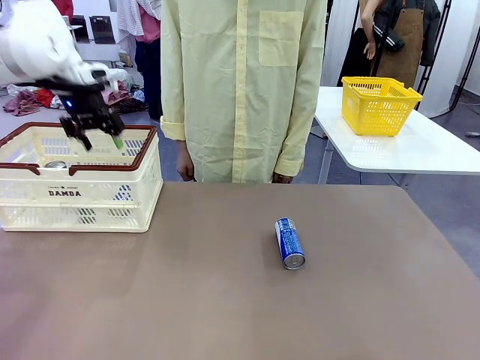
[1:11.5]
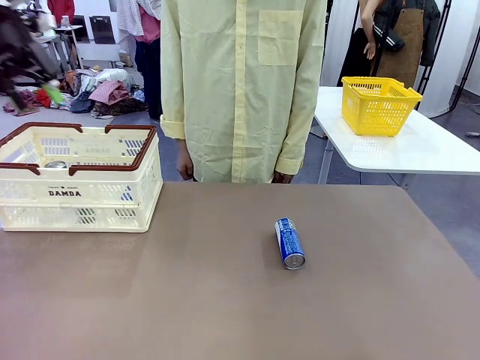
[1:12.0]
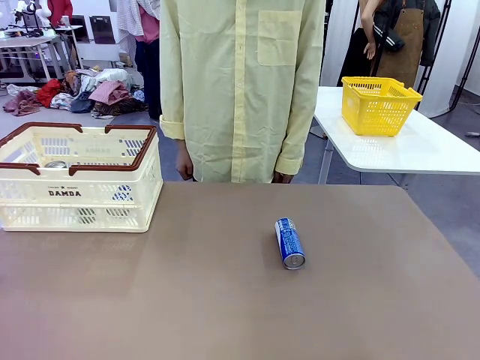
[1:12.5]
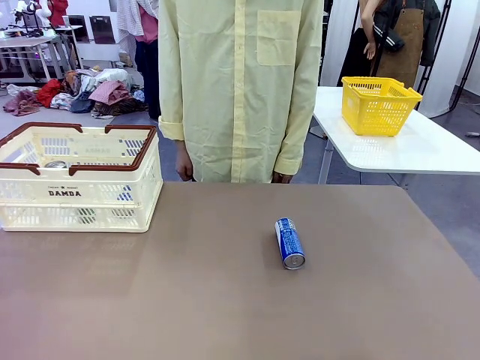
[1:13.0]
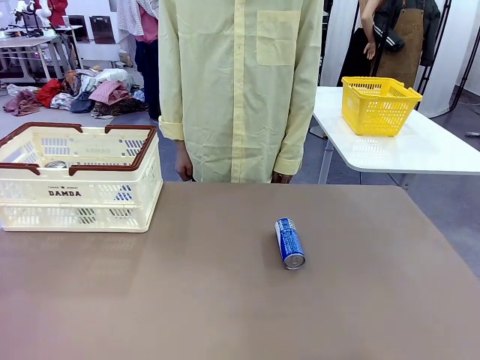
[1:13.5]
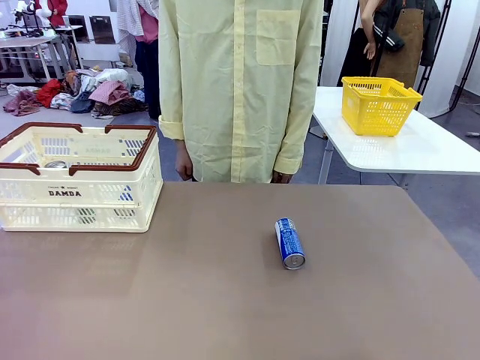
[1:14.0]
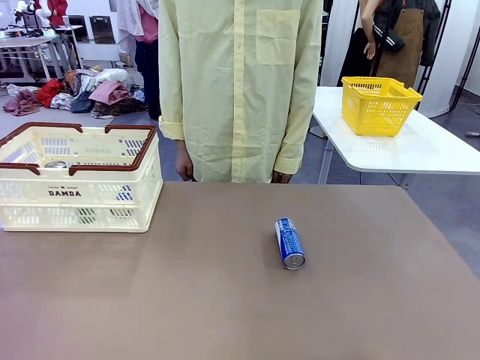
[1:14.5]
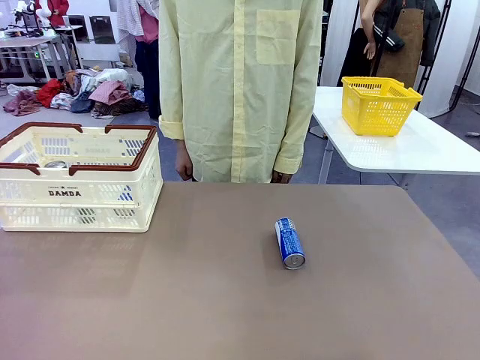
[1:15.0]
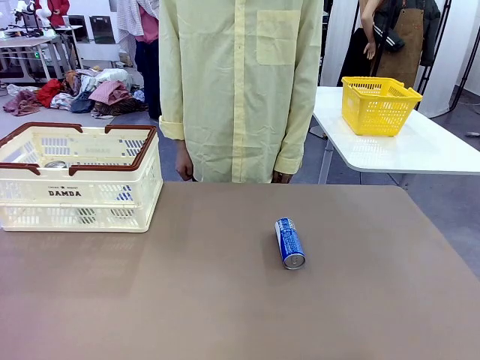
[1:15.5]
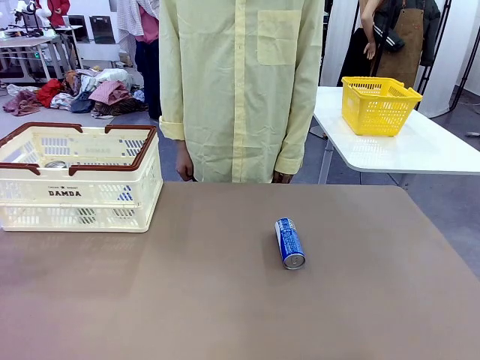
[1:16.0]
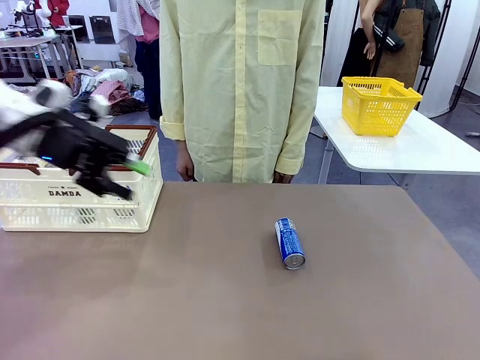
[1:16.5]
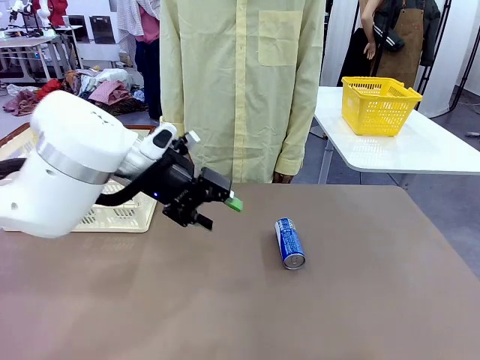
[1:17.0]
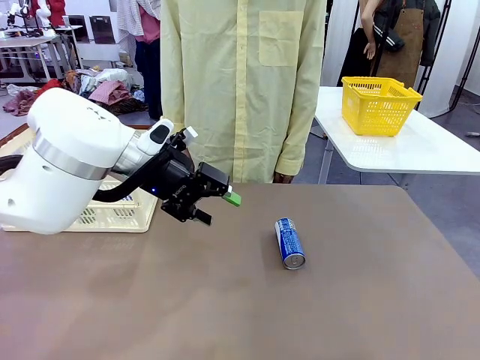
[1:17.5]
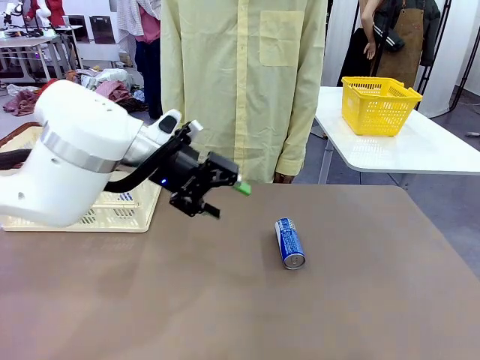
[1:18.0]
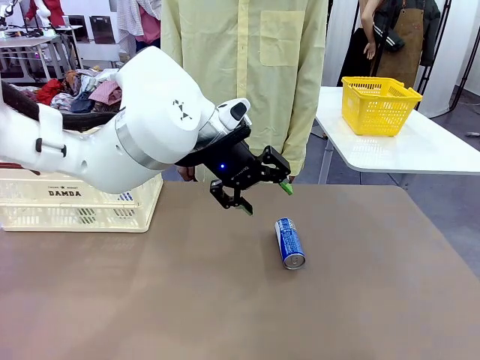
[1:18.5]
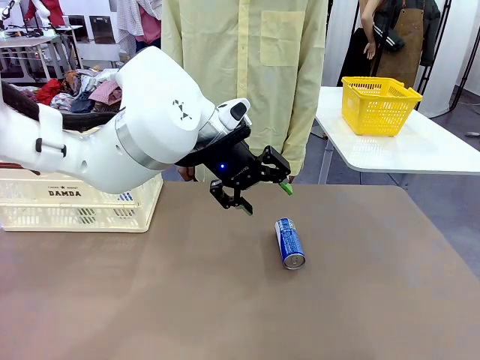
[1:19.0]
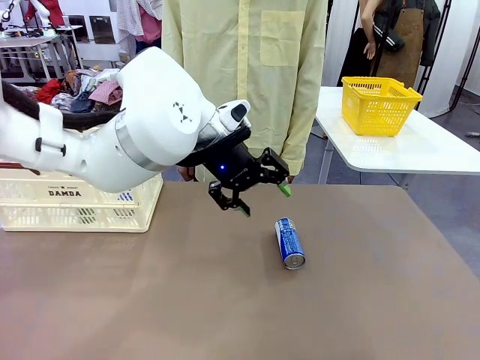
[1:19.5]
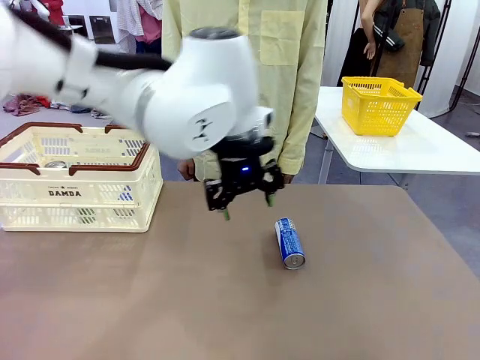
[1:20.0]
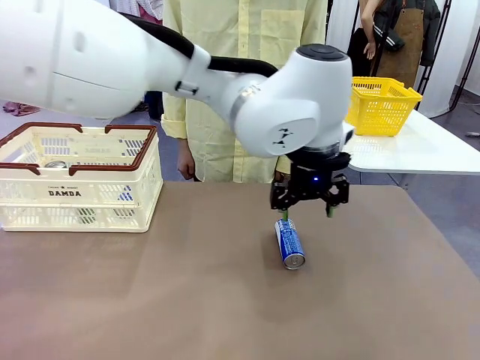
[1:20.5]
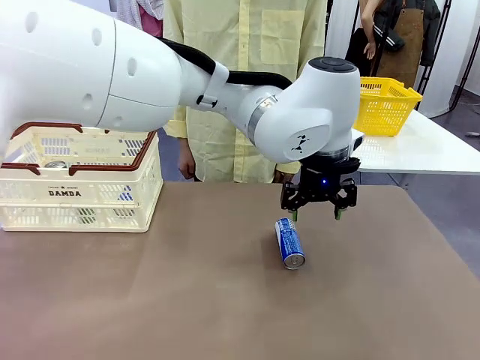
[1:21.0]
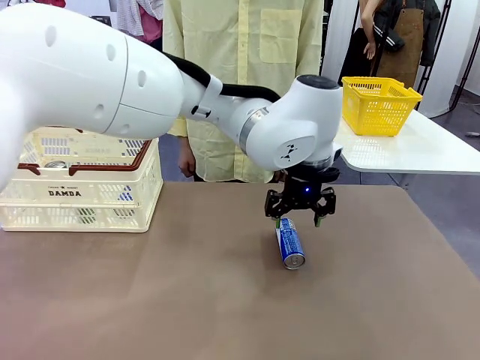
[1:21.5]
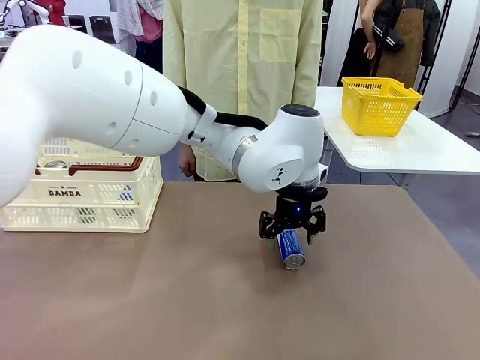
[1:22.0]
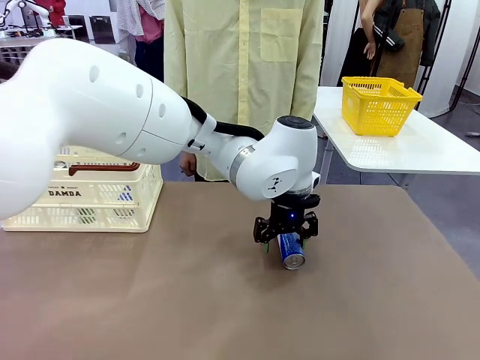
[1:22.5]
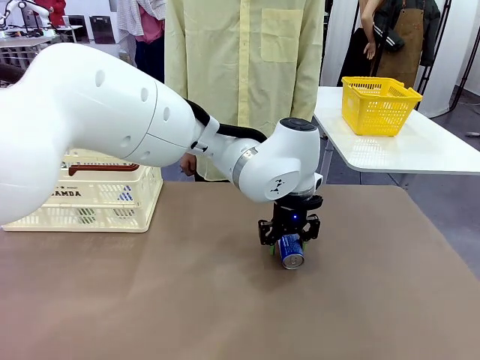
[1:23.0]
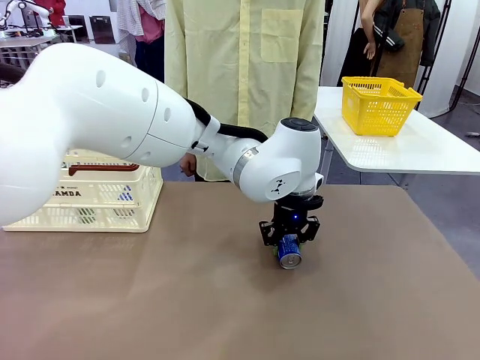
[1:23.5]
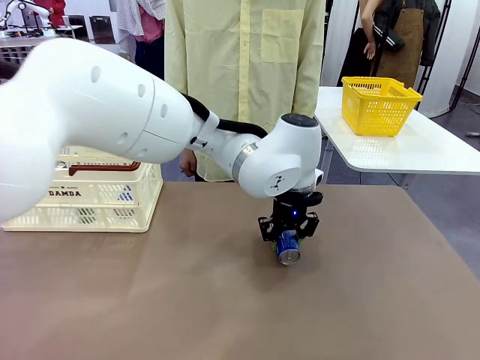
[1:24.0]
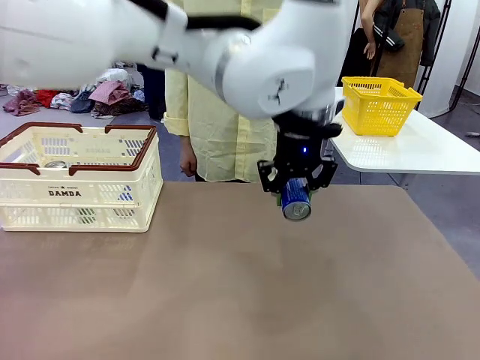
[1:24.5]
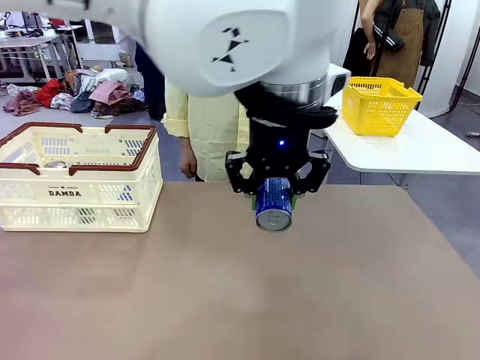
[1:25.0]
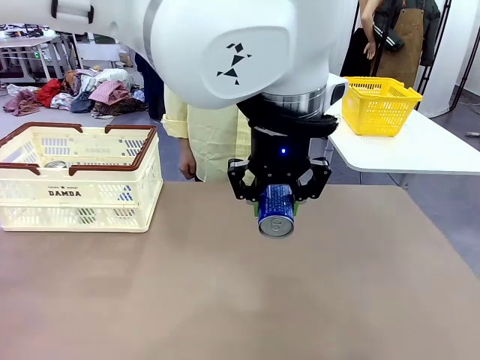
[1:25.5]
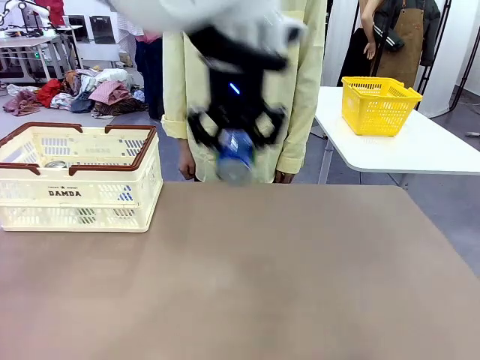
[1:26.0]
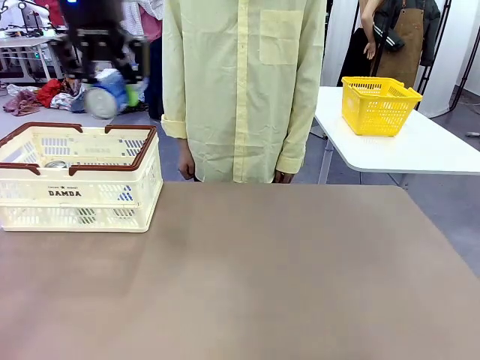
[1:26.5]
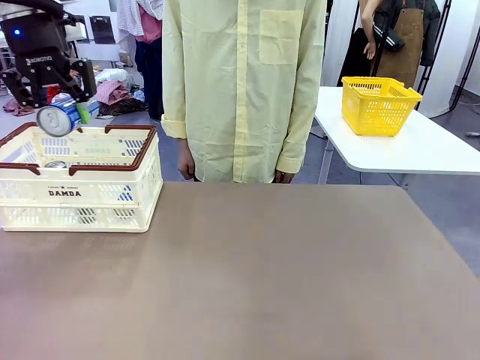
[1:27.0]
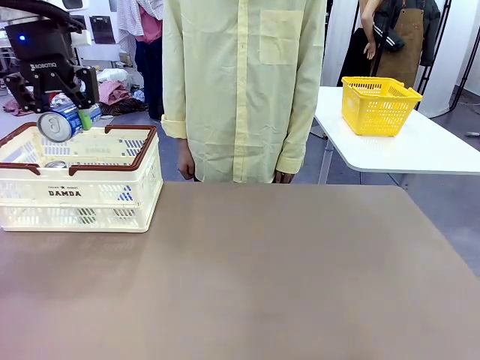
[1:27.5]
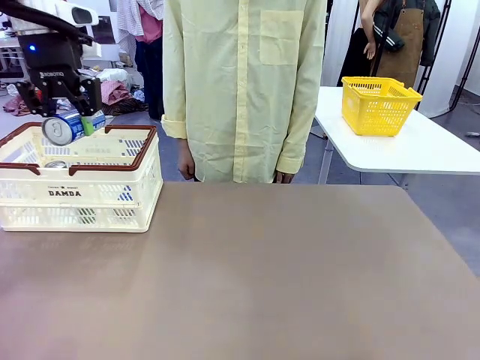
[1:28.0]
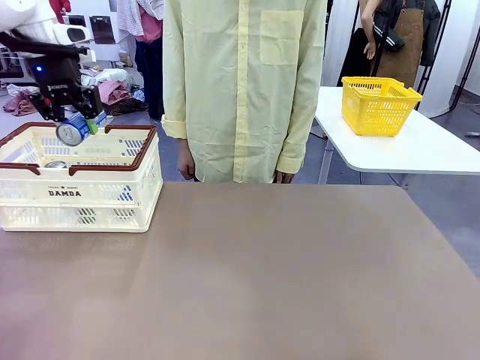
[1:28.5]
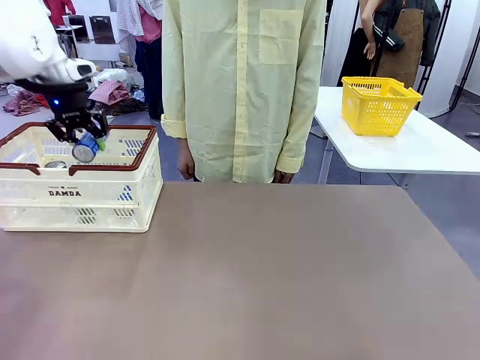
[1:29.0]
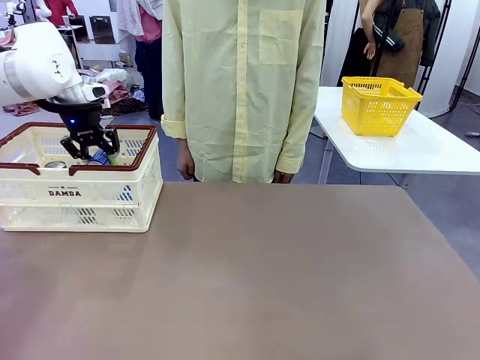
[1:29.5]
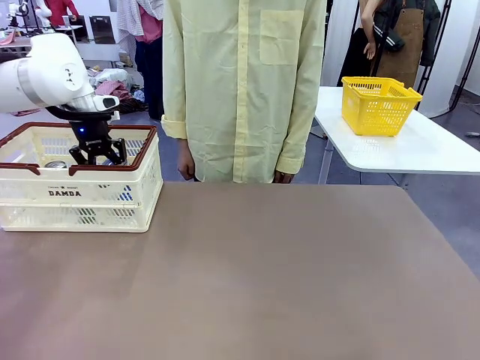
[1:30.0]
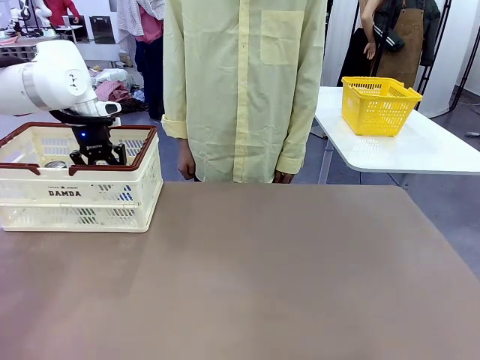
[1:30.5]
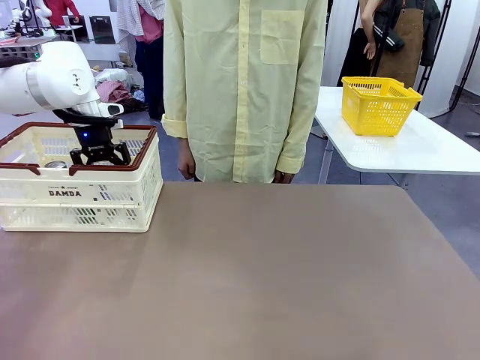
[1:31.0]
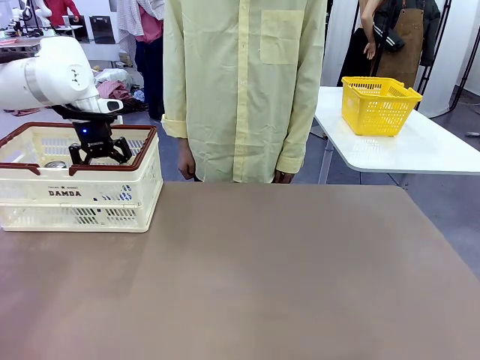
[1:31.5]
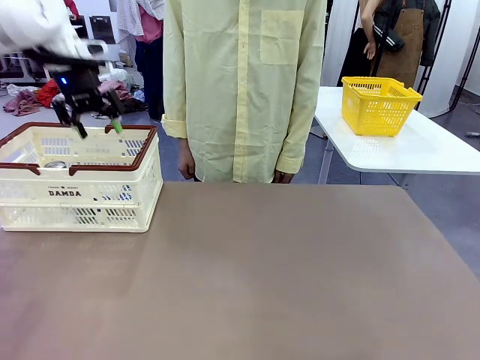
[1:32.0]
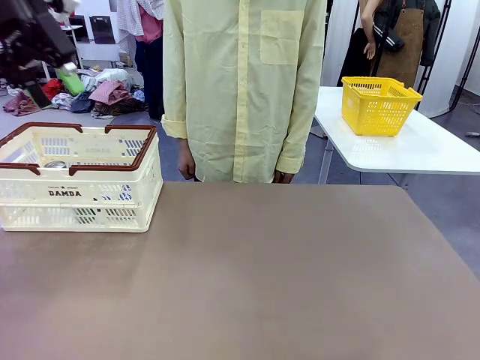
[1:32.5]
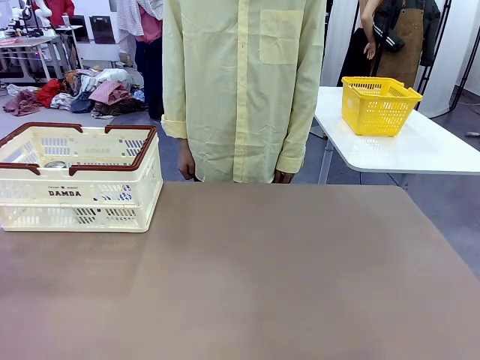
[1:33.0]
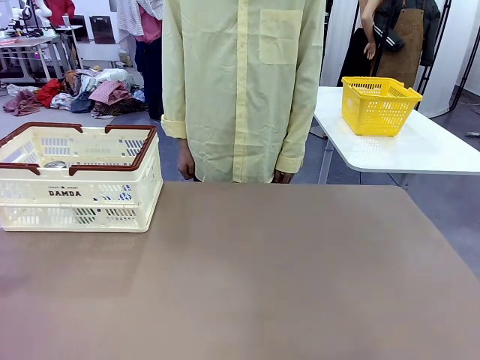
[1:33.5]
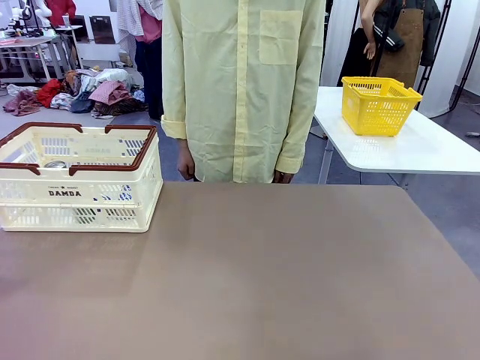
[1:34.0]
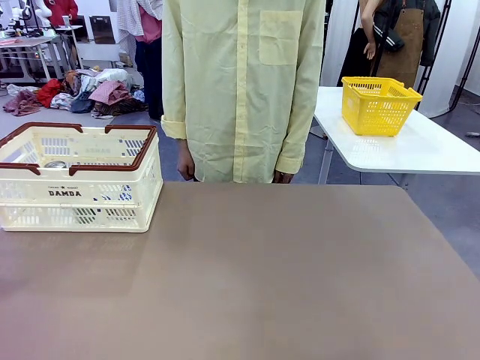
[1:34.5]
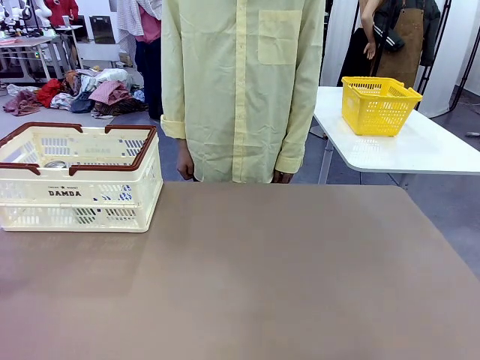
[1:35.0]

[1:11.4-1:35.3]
Task: Place the drinks into the Shopping basket.
Robot: Pick up one drink and place it into the Shopping basket.
